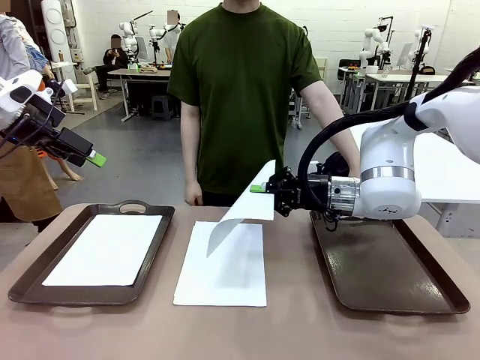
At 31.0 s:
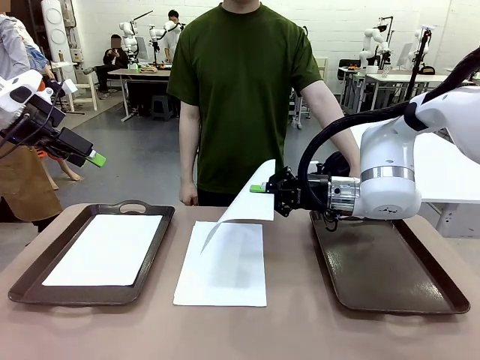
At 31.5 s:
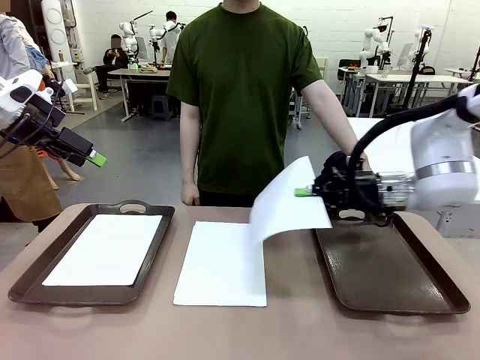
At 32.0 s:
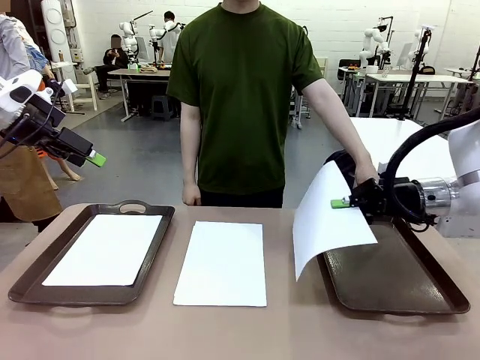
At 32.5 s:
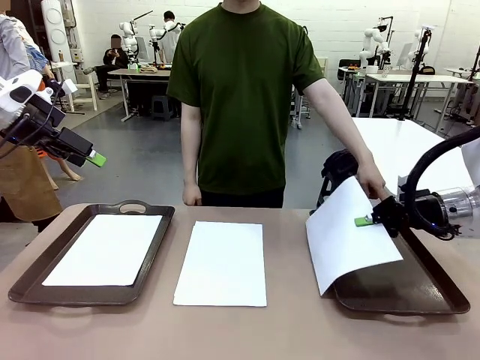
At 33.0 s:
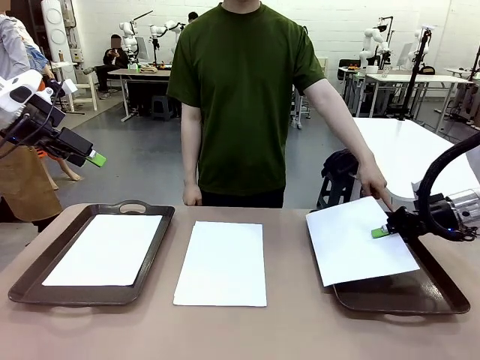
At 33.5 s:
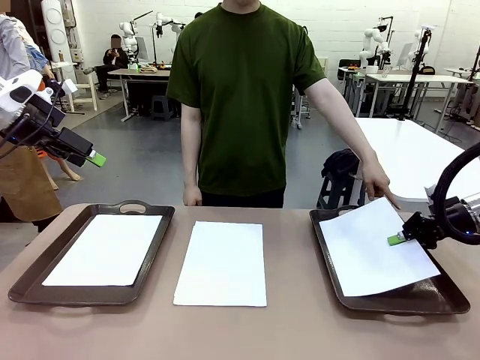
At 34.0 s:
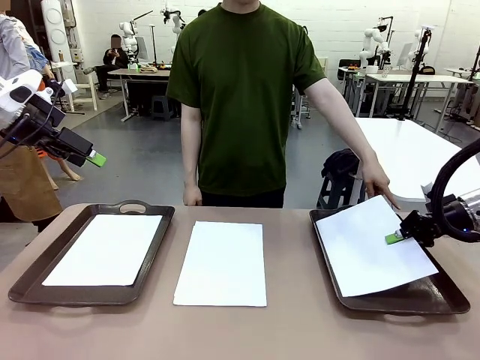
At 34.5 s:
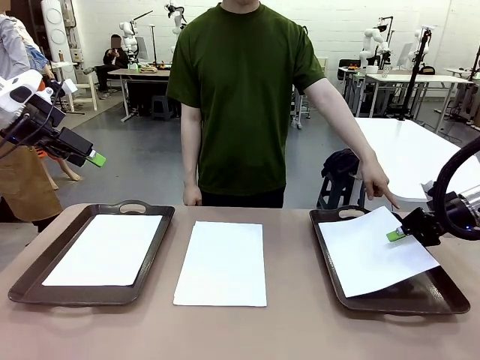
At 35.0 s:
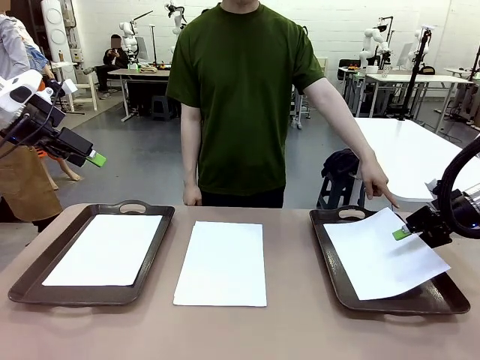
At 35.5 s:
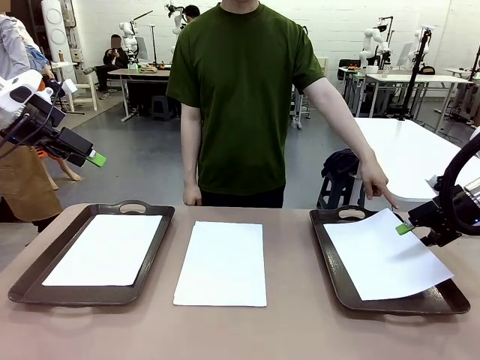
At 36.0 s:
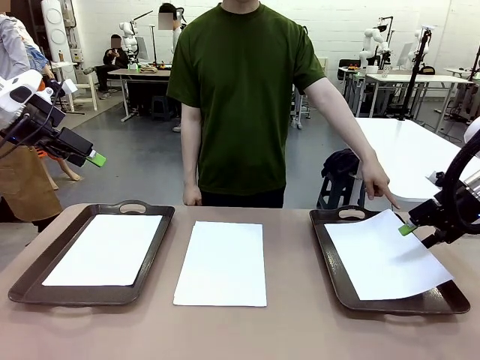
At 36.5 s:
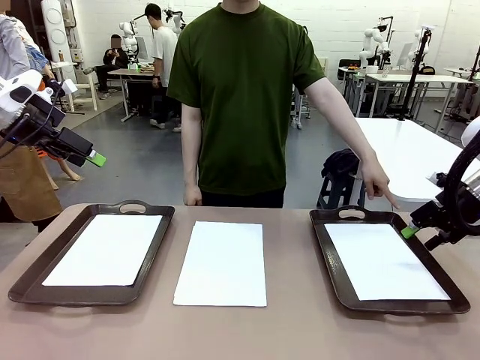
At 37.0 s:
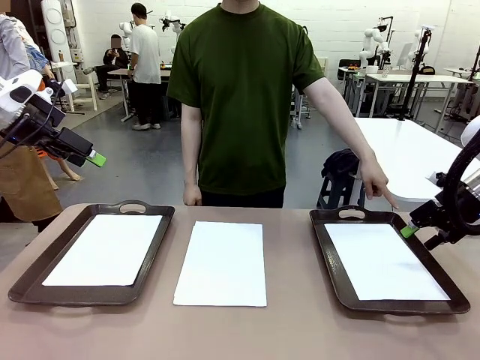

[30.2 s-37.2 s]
Task: Sort the A4 documents.
Robot: Place the A4 Paper in the designated Handle tray.

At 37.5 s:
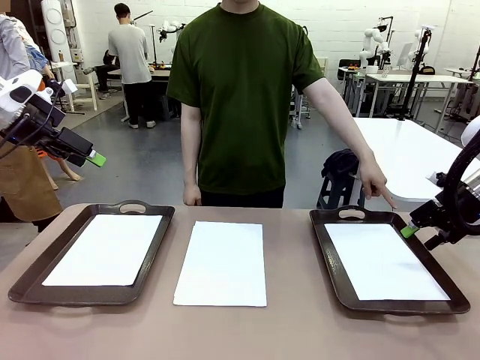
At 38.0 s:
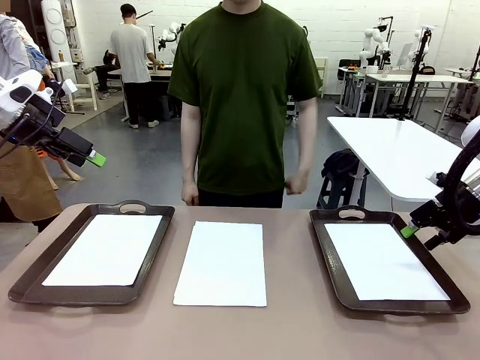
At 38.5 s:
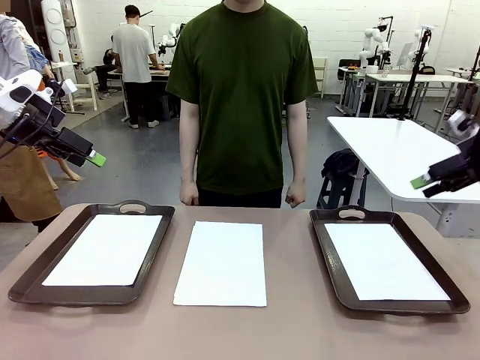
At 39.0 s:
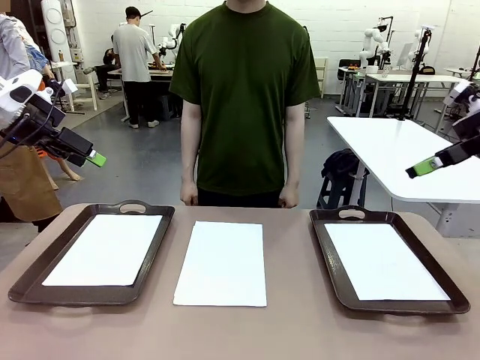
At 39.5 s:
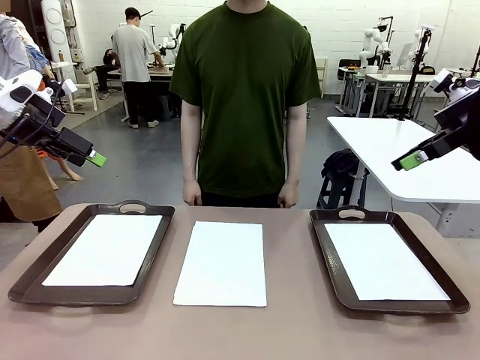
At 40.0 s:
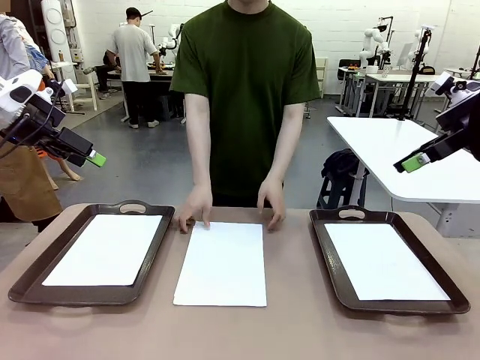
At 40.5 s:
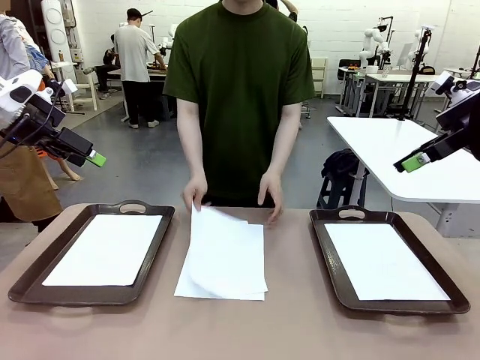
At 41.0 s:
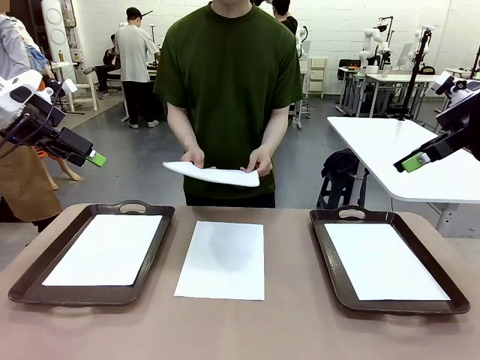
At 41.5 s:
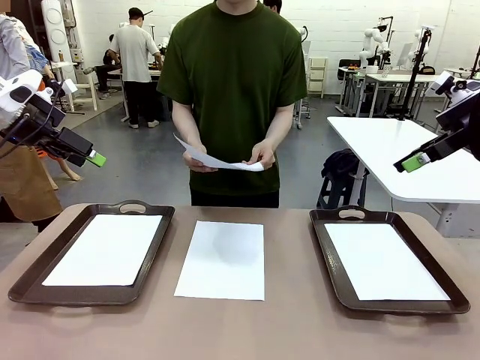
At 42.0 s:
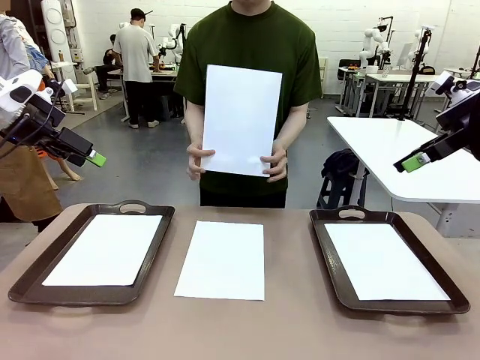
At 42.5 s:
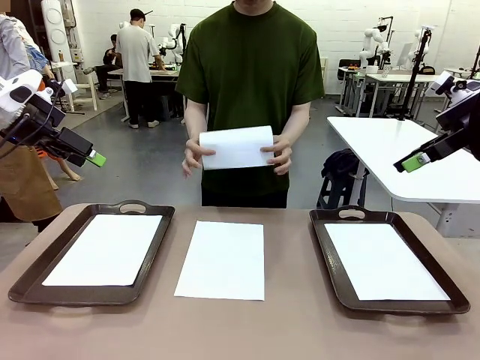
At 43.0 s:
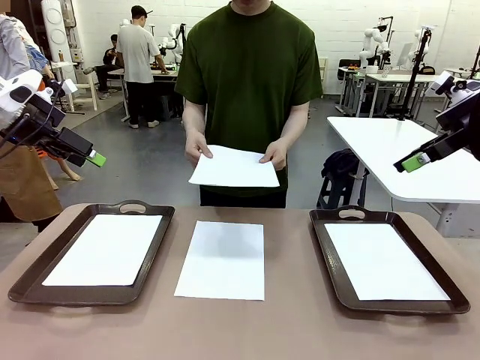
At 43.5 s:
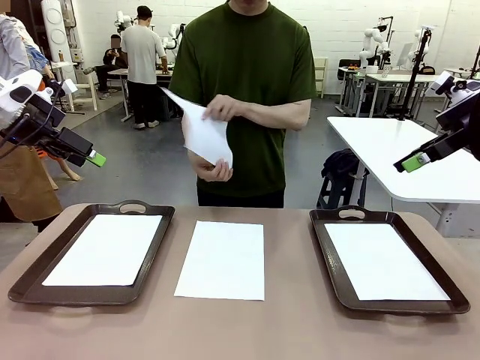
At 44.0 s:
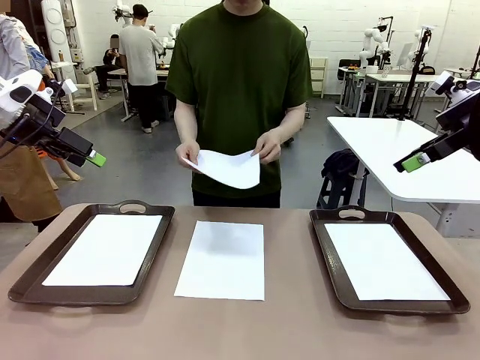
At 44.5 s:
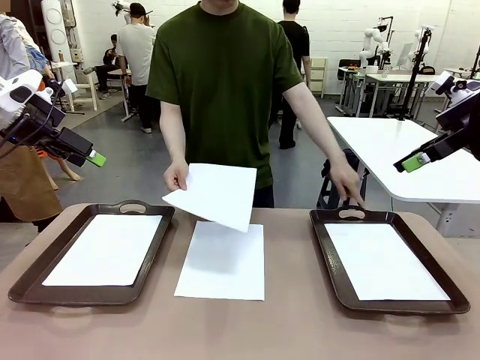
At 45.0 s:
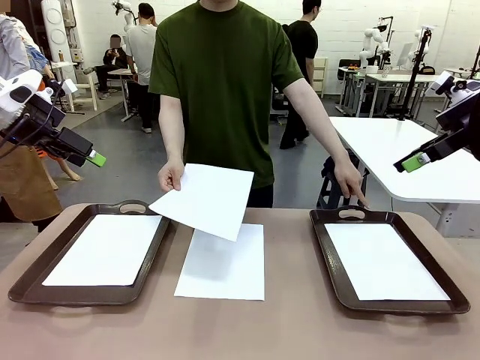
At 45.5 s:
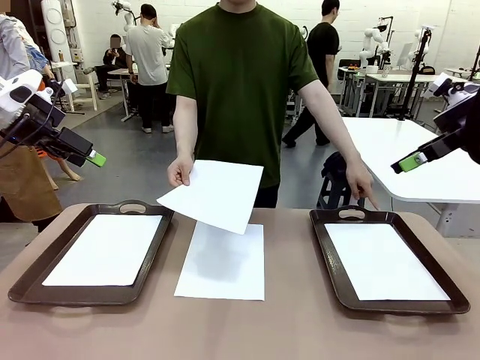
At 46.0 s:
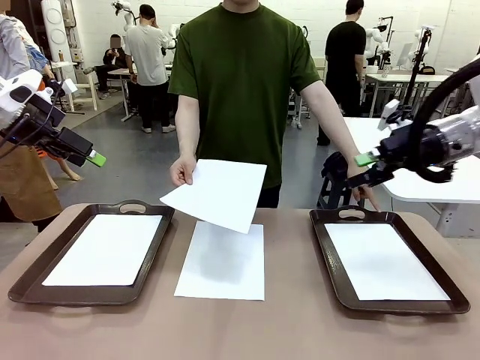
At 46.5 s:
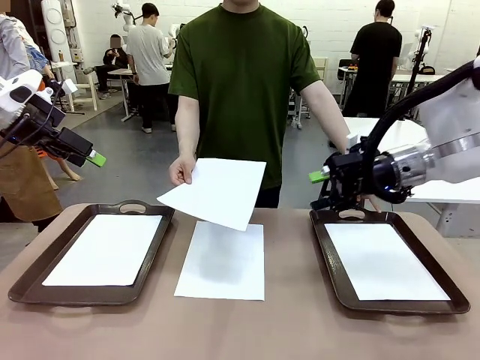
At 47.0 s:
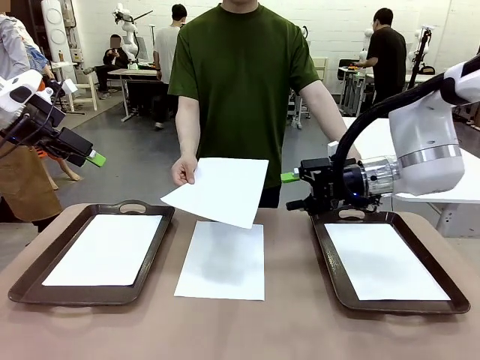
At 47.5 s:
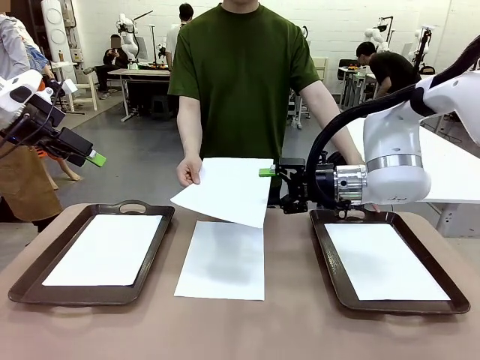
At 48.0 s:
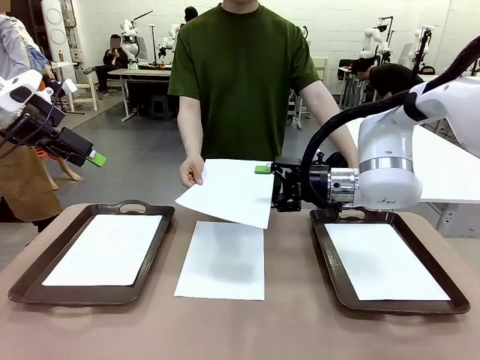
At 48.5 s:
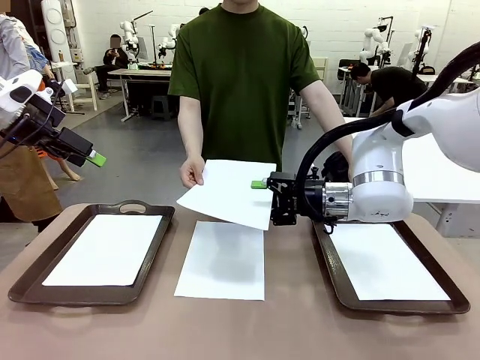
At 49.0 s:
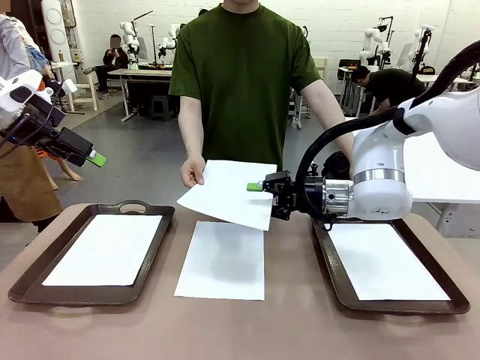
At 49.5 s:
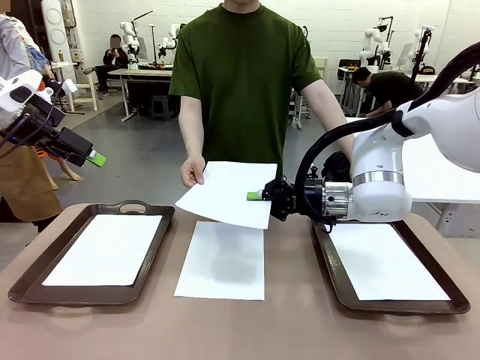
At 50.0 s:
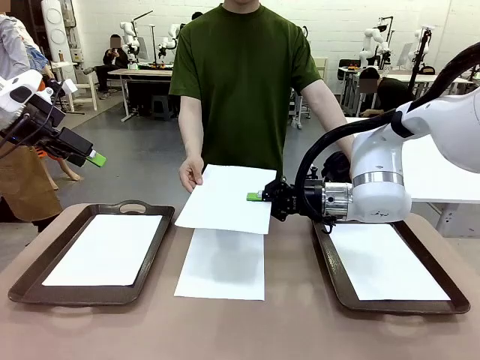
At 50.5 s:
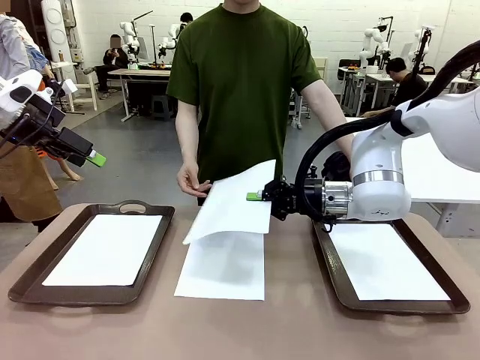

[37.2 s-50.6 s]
Robot: Receive the A4 Paper.
Person: Point the randomly selected tray with the other hand.

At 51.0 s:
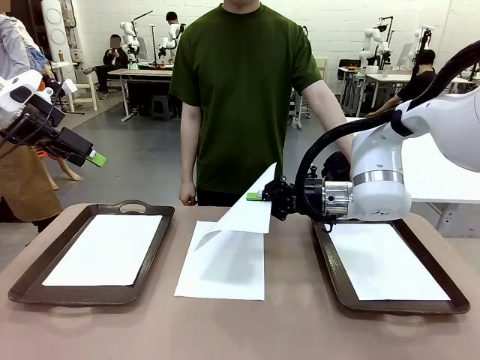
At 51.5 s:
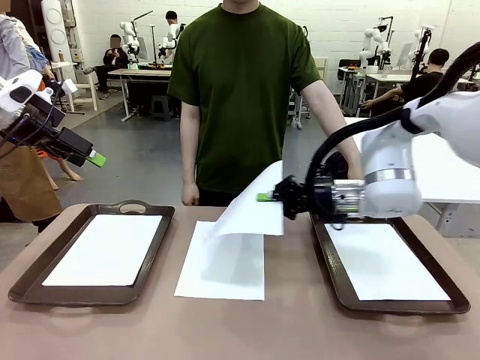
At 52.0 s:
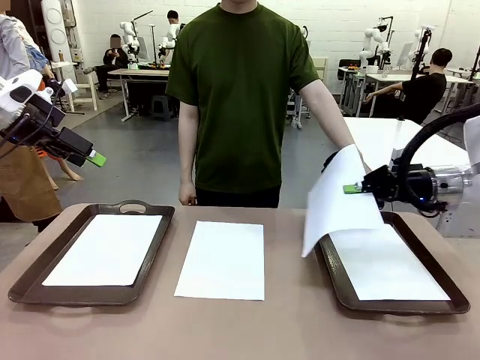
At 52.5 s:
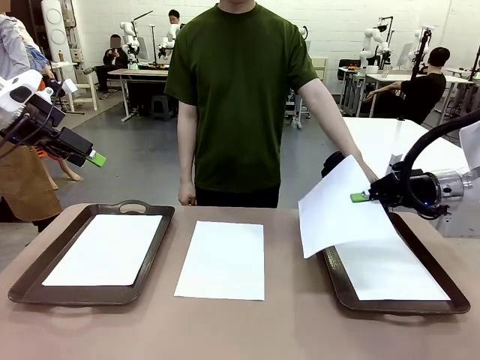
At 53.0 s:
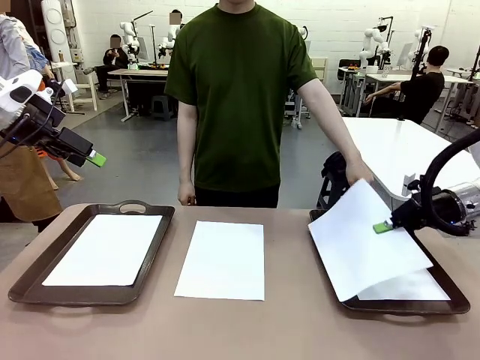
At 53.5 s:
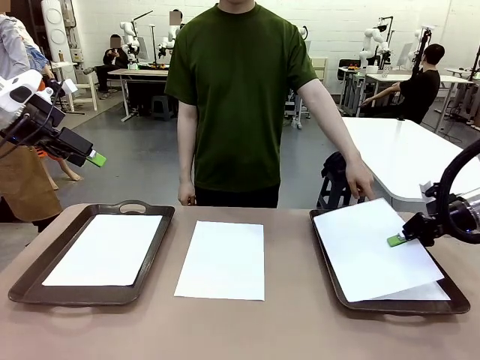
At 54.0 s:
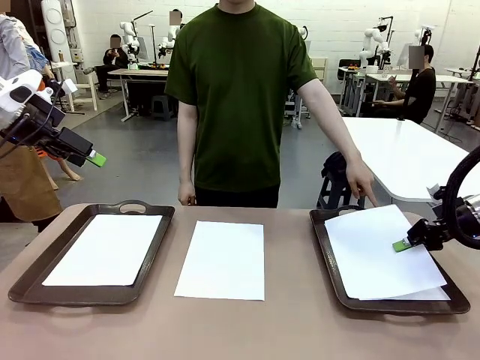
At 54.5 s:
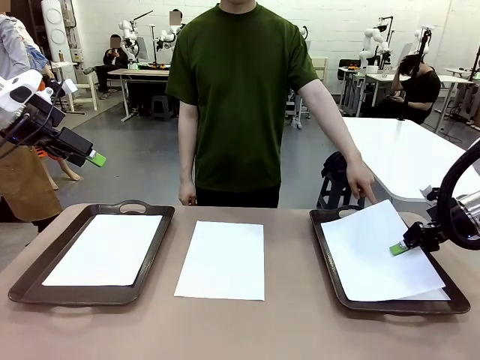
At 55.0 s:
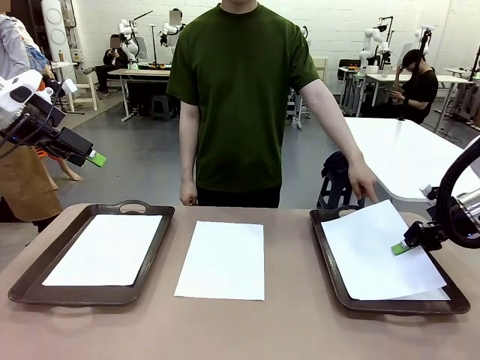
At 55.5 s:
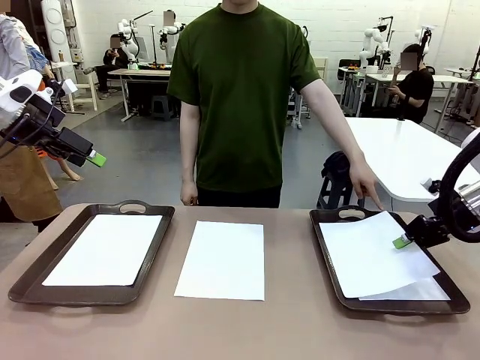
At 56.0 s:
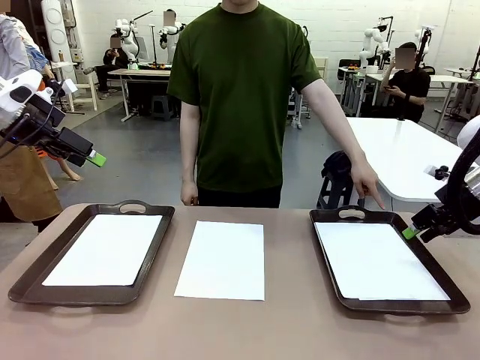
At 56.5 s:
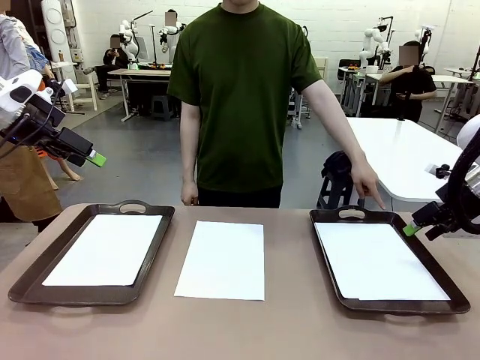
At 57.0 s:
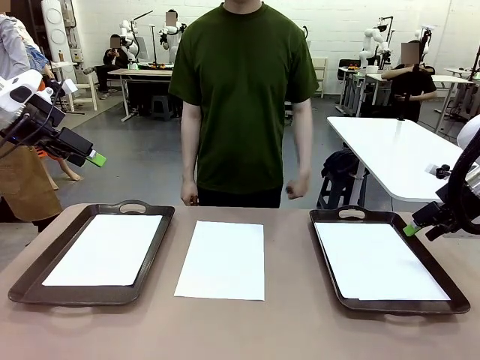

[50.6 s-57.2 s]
Robot: Place the A4 Paper in the designated Handle tray.
